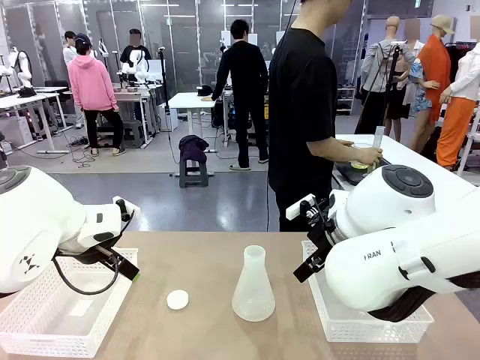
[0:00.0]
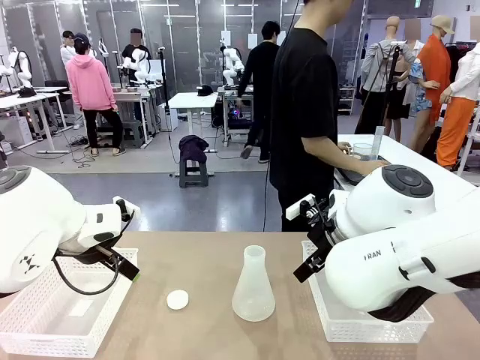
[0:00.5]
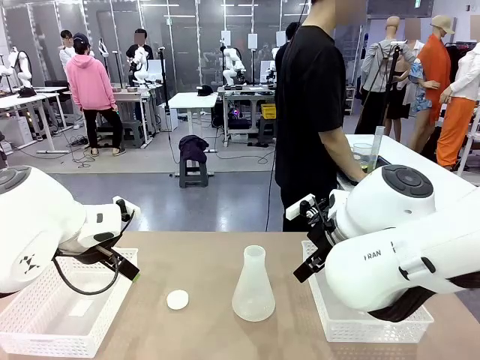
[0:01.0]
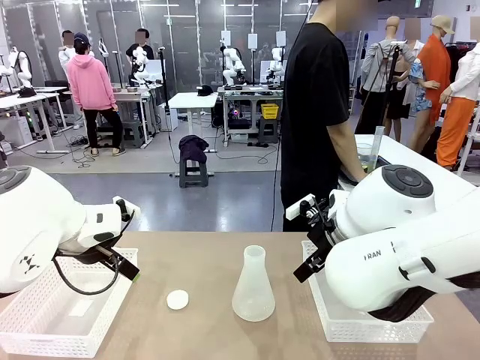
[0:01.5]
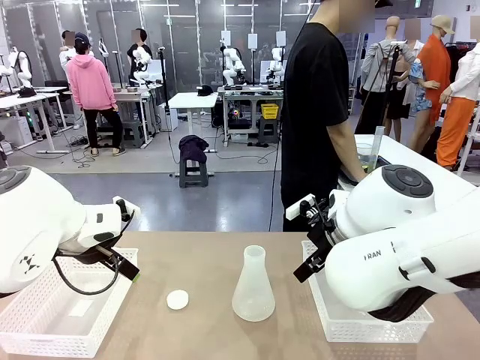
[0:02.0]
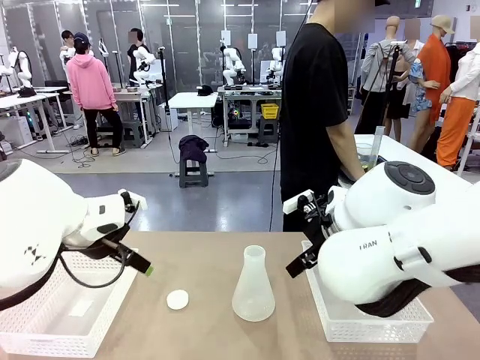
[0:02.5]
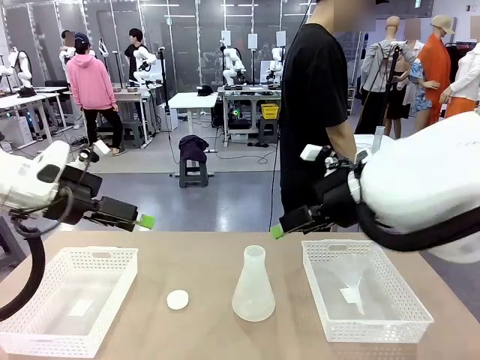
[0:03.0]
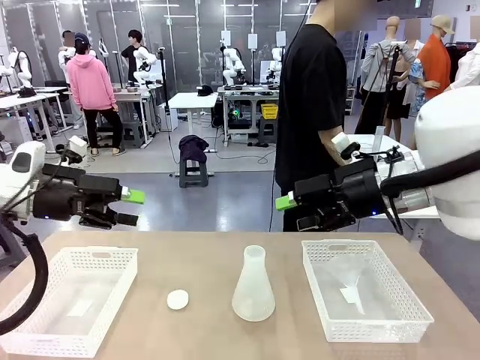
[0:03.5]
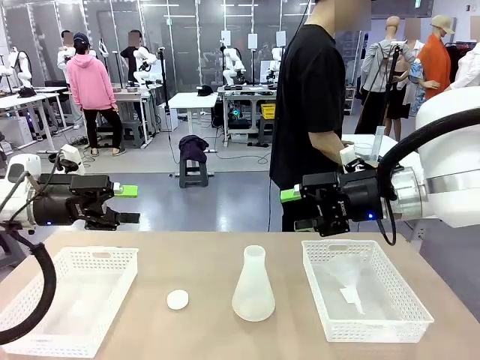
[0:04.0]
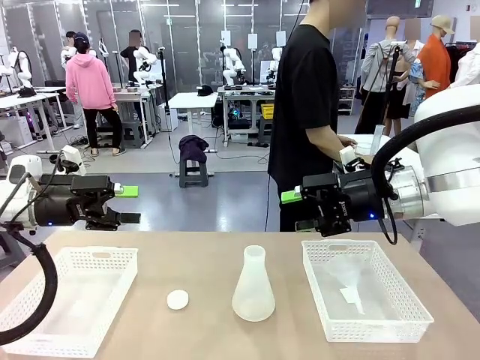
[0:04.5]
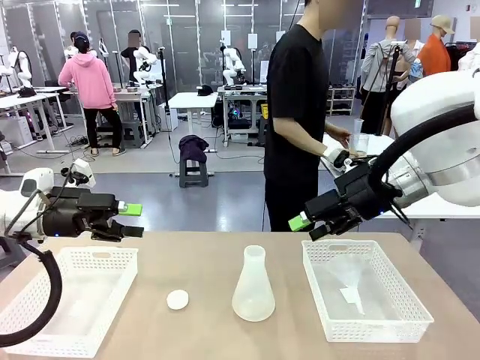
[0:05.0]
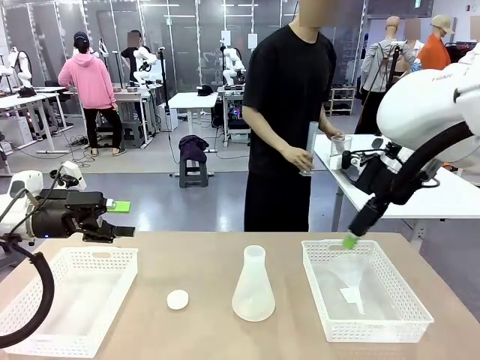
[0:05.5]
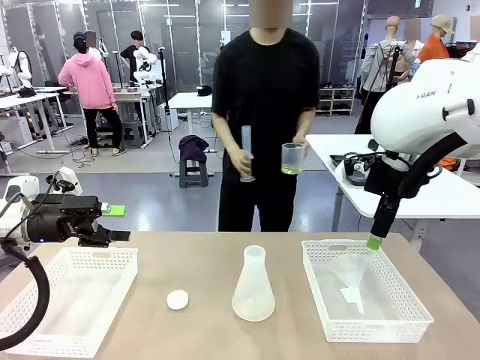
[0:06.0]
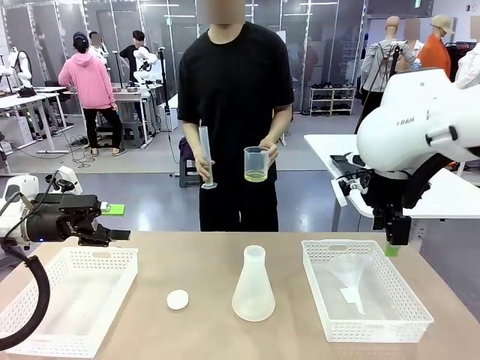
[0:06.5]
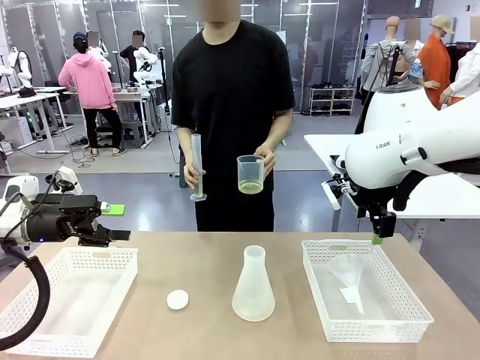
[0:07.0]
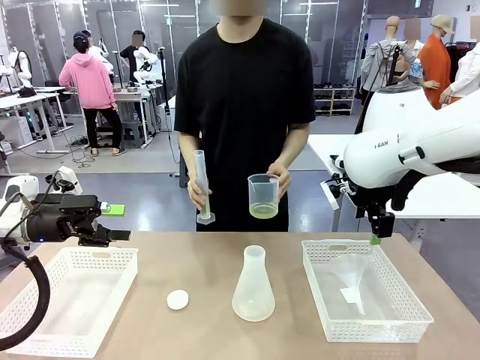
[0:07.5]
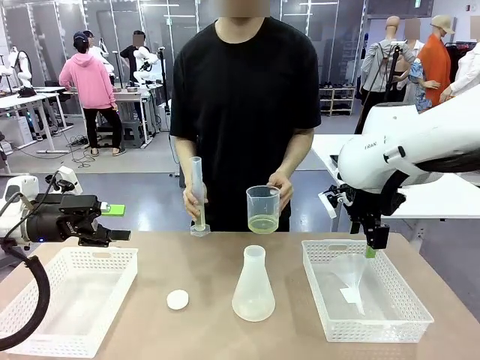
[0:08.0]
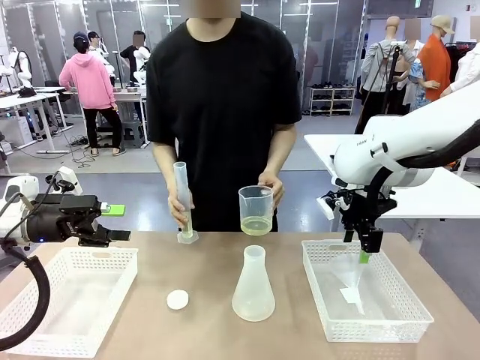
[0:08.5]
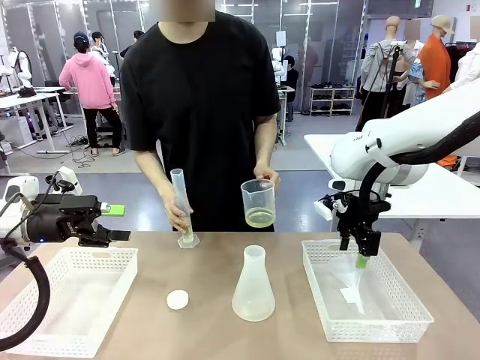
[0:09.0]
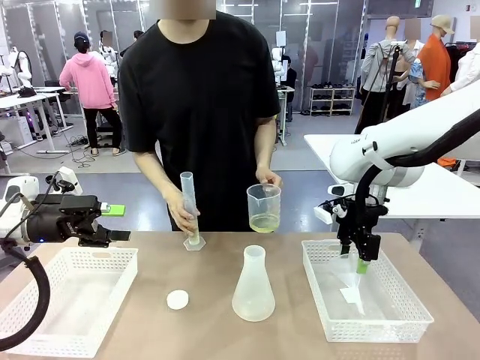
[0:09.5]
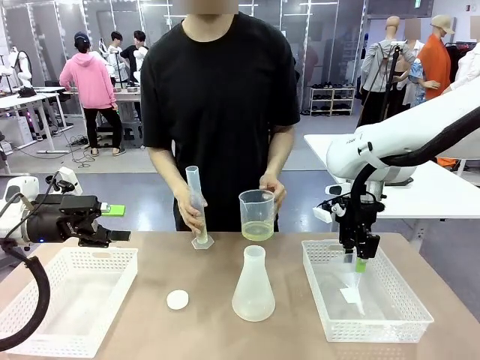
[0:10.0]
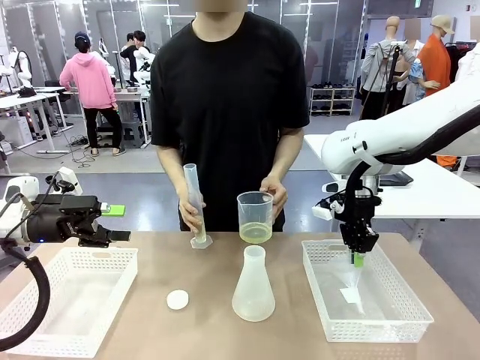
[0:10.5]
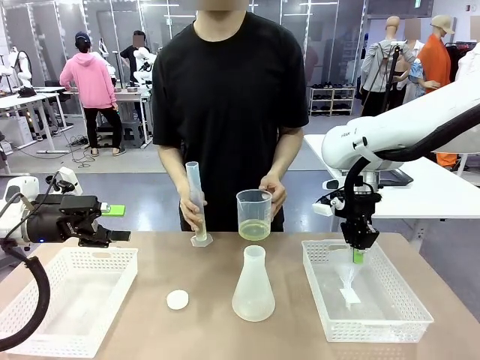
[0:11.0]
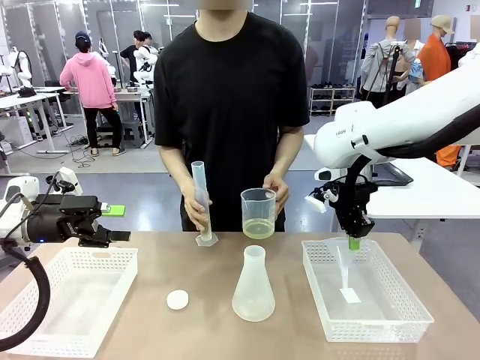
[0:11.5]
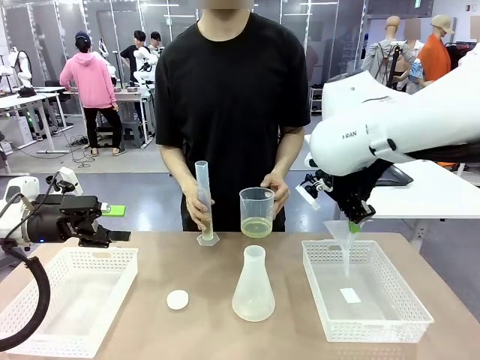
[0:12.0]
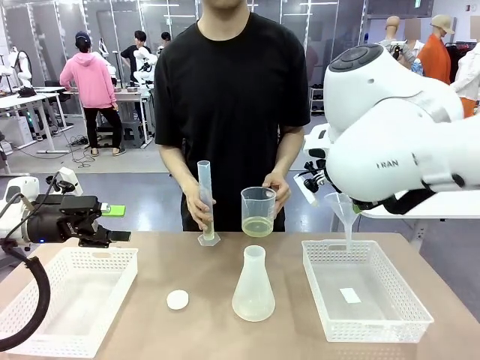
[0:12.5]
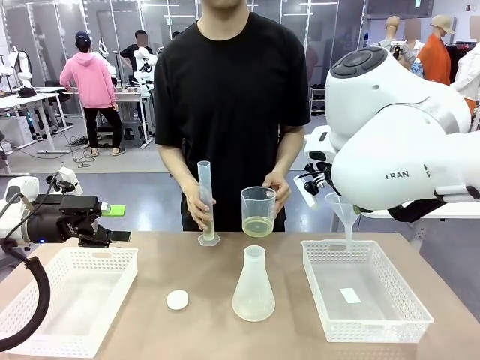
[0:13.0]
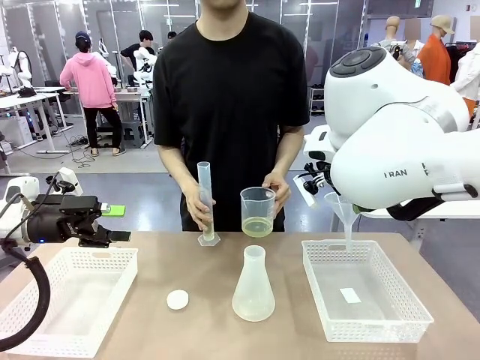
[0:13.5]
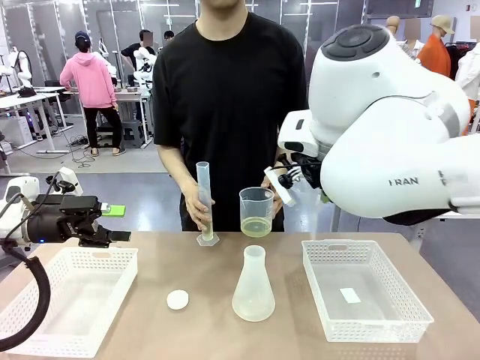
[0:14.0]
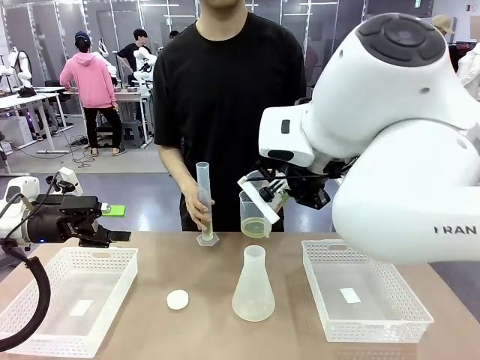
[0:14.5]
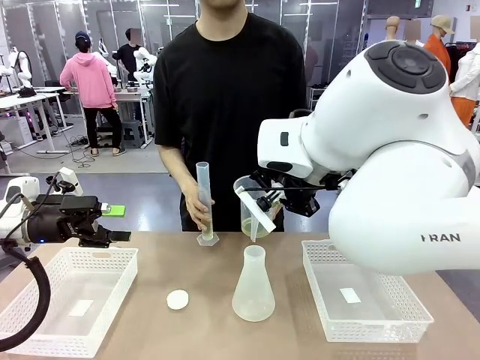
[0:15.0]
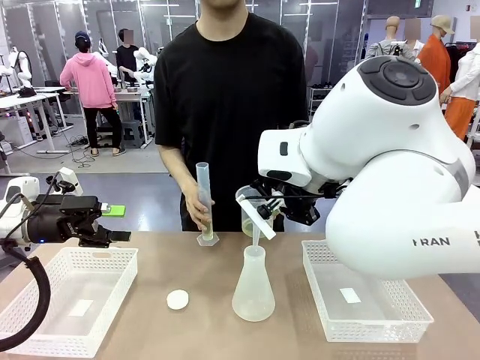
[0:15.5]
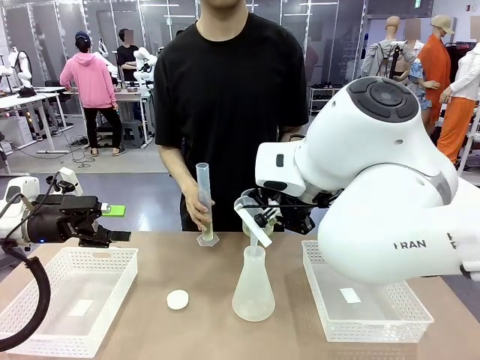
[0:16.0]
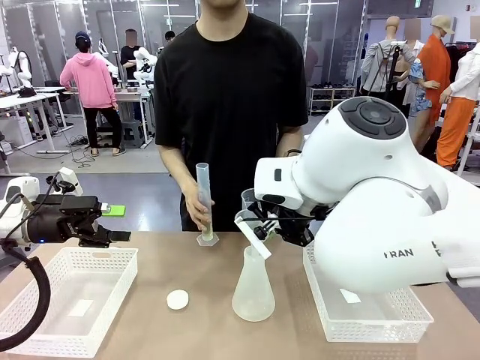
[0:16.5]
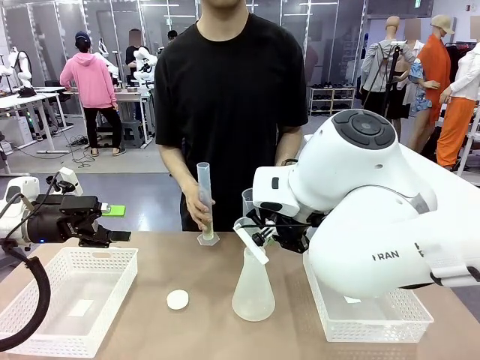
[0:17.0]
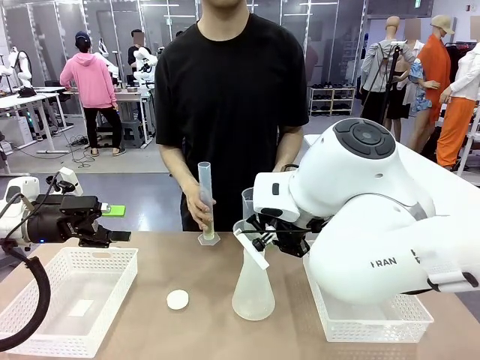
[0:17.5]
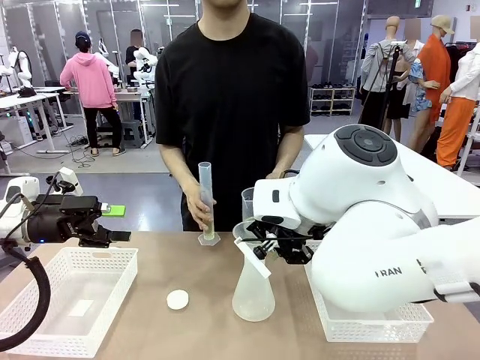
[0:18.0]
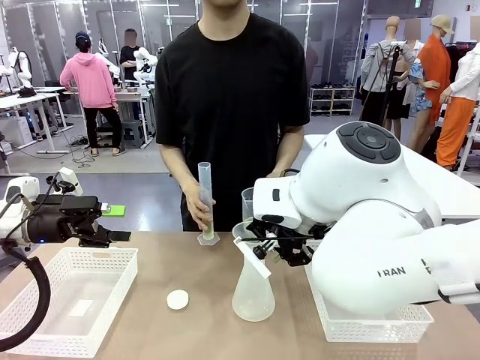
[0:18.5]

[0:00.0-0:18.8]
Task: Prepare the solutions needed for the experiment.
Robot: Pick up the Plastic Funnel and insert it into the Big flask.
Person: Pick up the beaker and the cylinder and move to the middle of the robot table. Pour the solution from the beaker and the cylinder into the flask.
